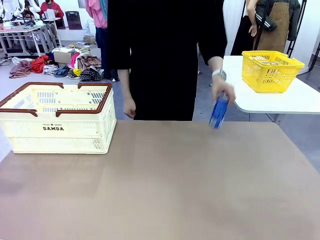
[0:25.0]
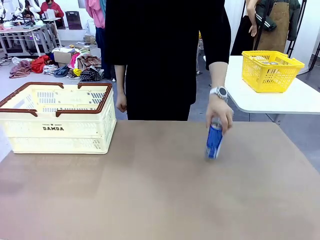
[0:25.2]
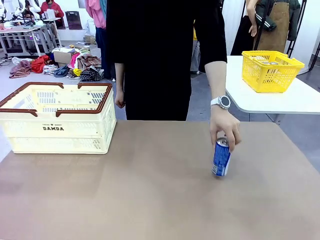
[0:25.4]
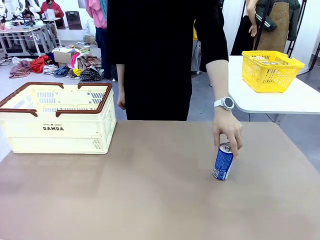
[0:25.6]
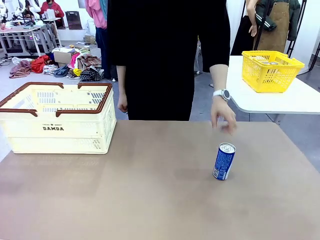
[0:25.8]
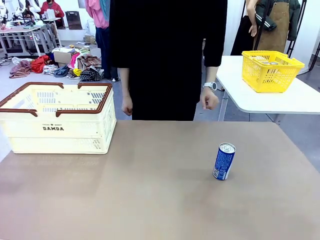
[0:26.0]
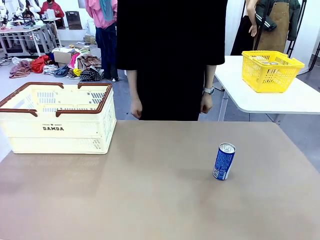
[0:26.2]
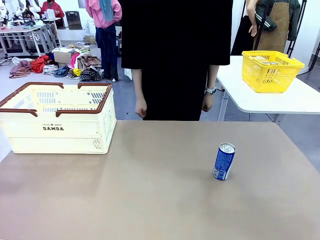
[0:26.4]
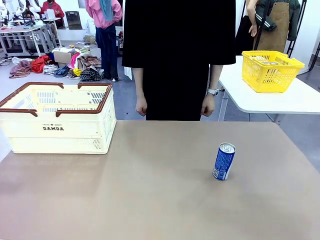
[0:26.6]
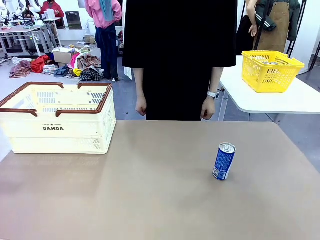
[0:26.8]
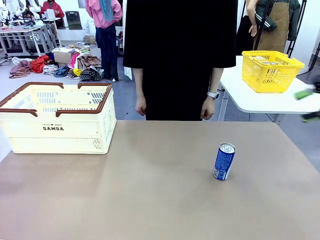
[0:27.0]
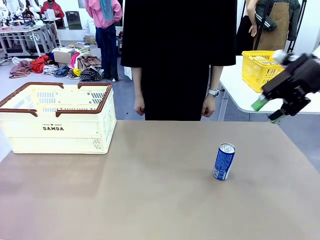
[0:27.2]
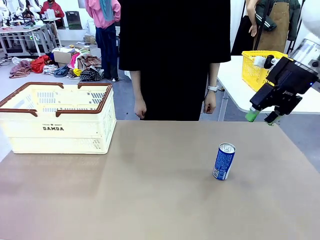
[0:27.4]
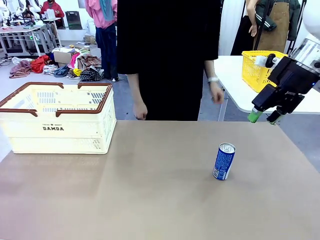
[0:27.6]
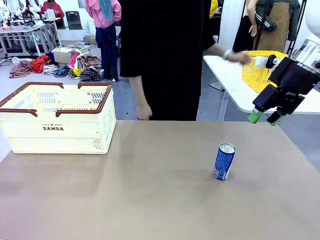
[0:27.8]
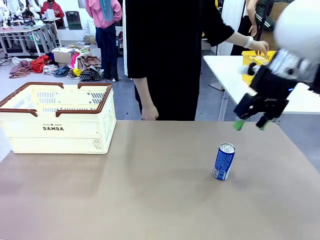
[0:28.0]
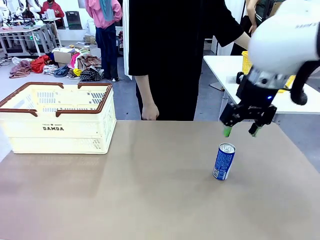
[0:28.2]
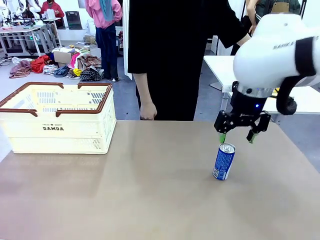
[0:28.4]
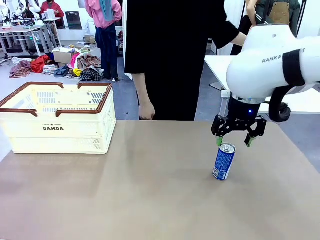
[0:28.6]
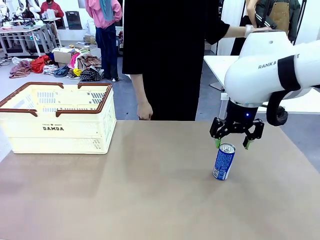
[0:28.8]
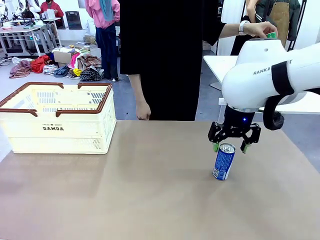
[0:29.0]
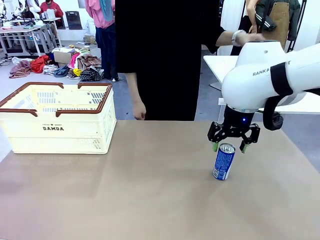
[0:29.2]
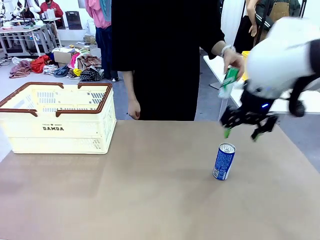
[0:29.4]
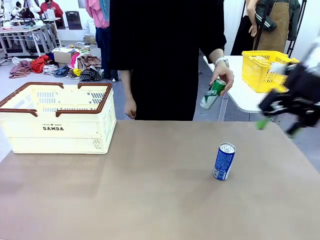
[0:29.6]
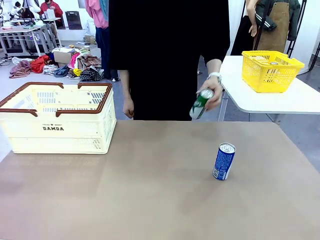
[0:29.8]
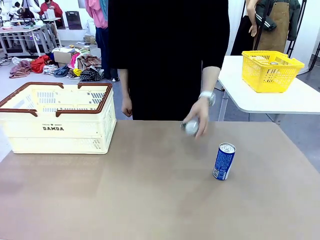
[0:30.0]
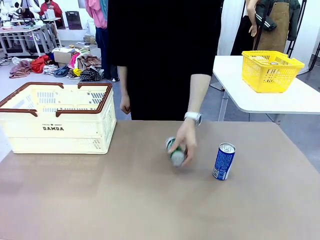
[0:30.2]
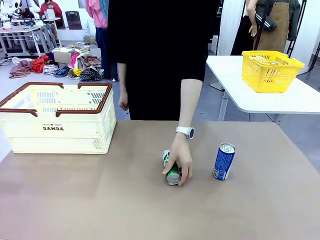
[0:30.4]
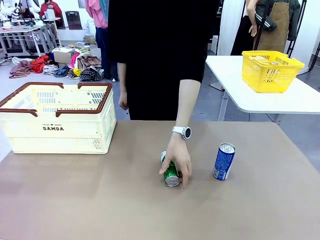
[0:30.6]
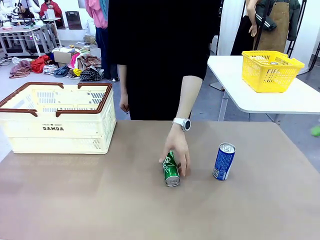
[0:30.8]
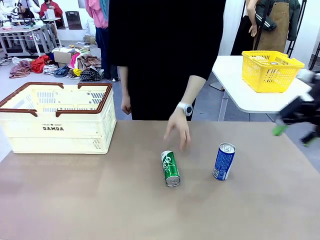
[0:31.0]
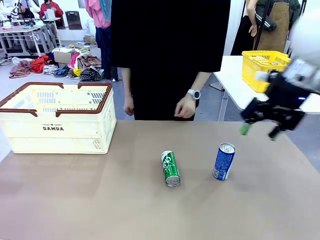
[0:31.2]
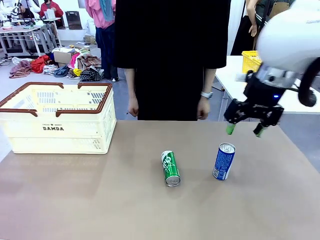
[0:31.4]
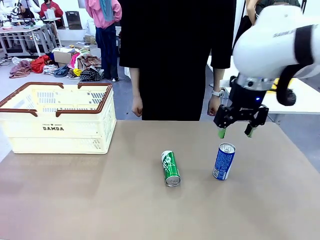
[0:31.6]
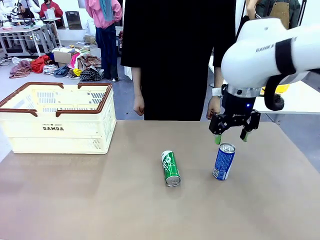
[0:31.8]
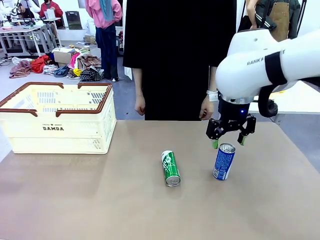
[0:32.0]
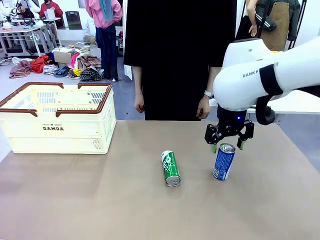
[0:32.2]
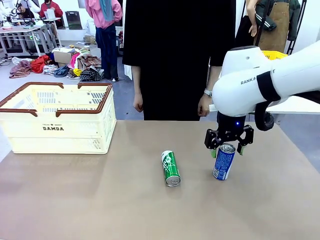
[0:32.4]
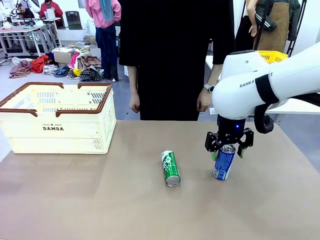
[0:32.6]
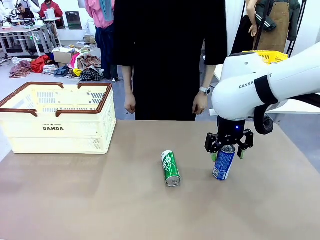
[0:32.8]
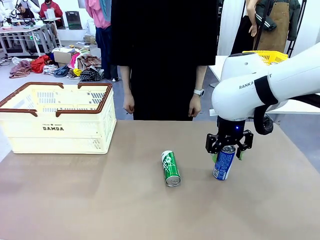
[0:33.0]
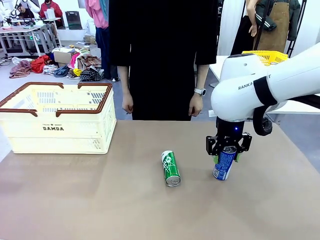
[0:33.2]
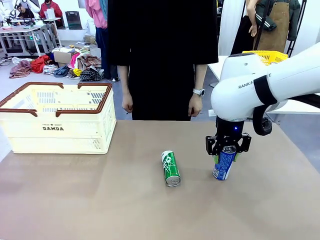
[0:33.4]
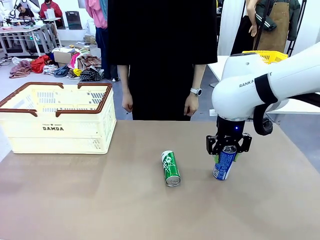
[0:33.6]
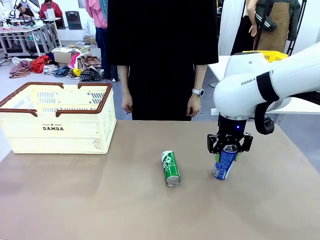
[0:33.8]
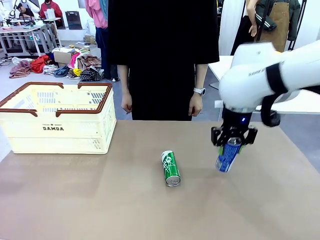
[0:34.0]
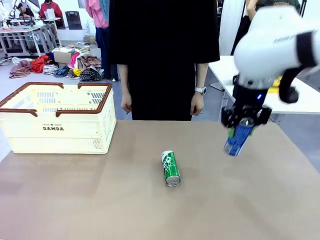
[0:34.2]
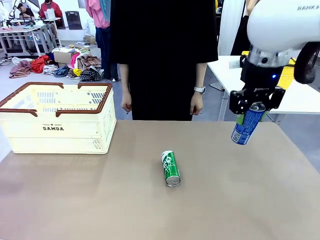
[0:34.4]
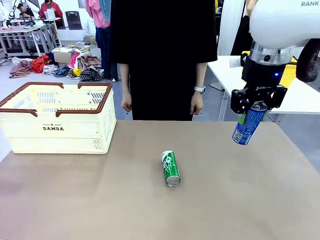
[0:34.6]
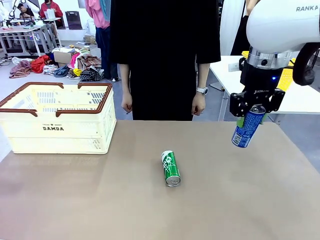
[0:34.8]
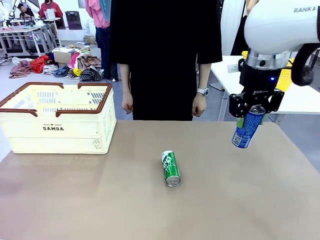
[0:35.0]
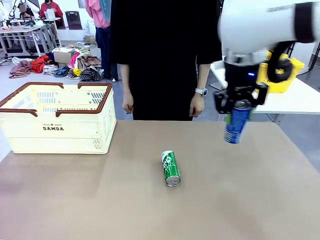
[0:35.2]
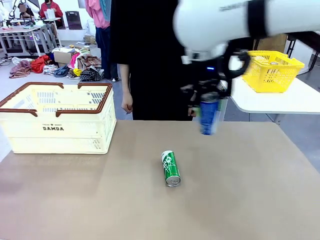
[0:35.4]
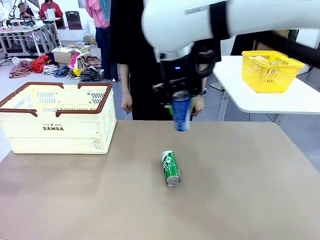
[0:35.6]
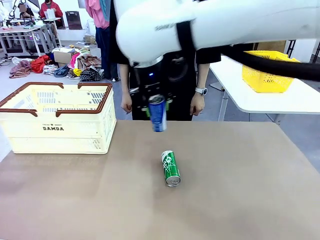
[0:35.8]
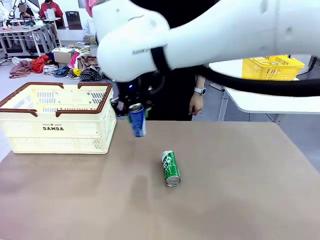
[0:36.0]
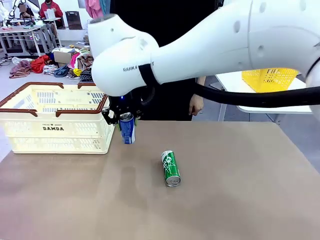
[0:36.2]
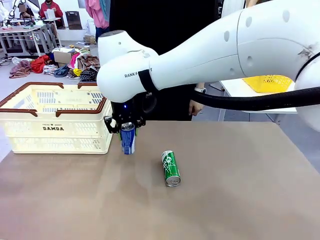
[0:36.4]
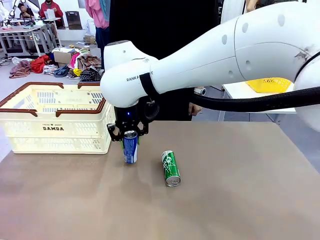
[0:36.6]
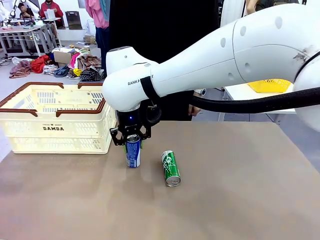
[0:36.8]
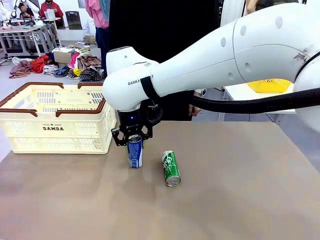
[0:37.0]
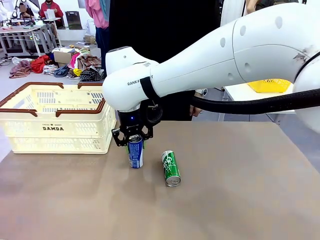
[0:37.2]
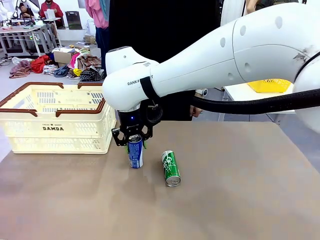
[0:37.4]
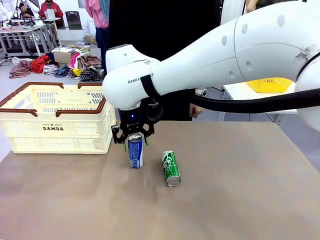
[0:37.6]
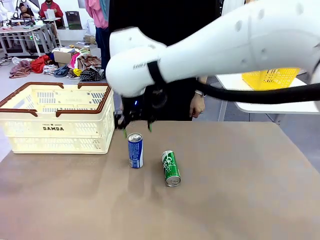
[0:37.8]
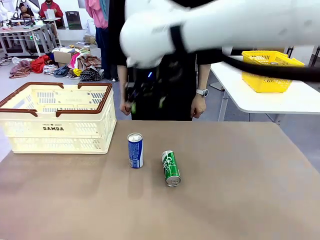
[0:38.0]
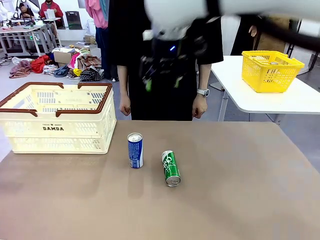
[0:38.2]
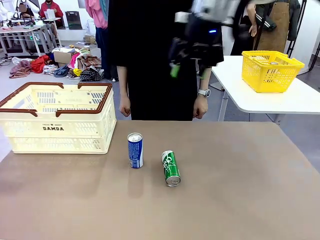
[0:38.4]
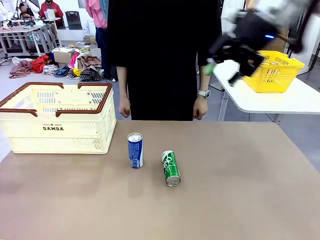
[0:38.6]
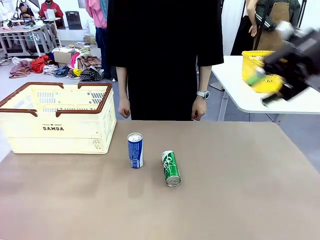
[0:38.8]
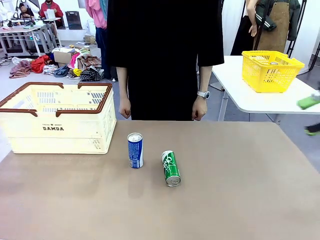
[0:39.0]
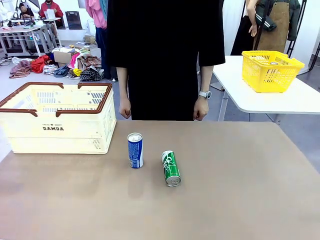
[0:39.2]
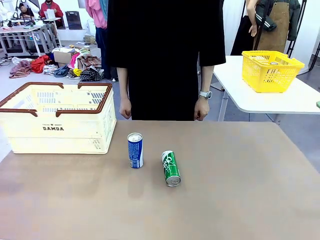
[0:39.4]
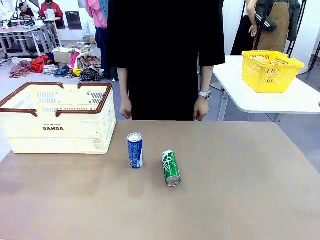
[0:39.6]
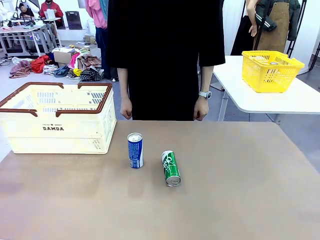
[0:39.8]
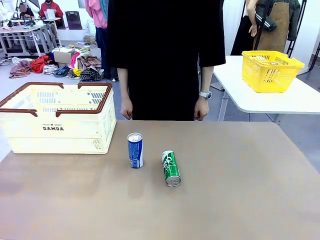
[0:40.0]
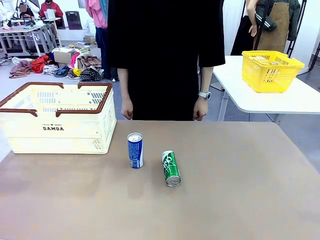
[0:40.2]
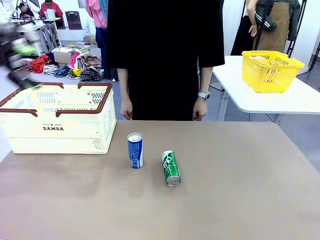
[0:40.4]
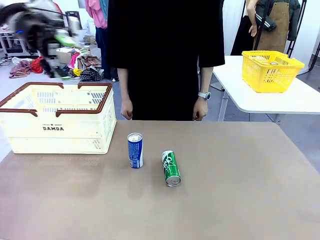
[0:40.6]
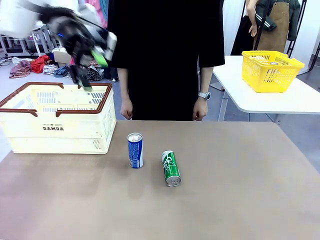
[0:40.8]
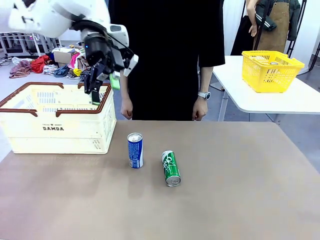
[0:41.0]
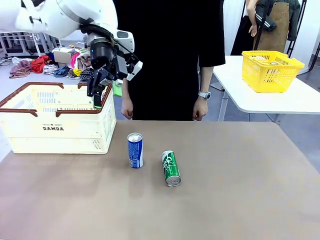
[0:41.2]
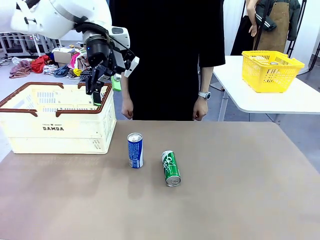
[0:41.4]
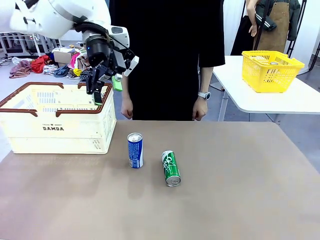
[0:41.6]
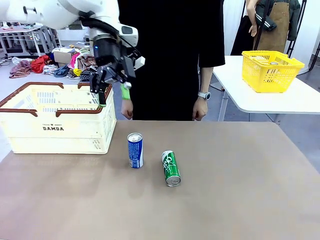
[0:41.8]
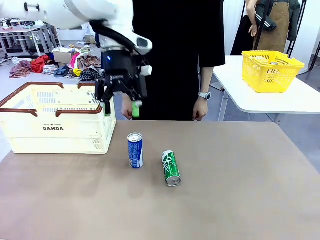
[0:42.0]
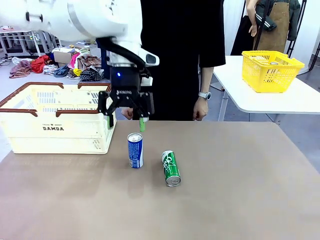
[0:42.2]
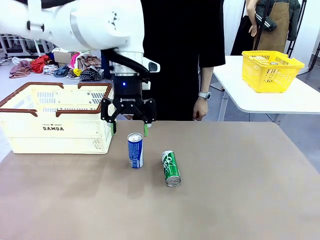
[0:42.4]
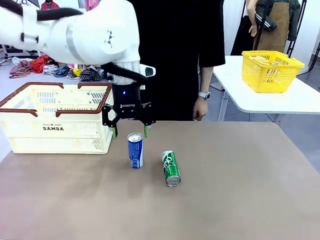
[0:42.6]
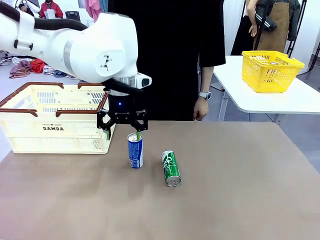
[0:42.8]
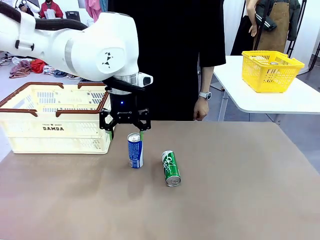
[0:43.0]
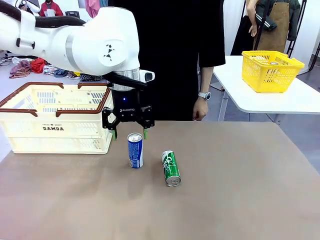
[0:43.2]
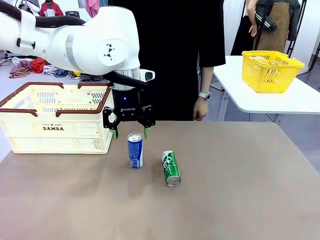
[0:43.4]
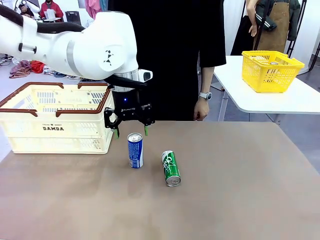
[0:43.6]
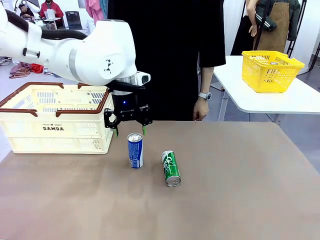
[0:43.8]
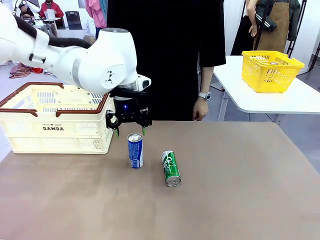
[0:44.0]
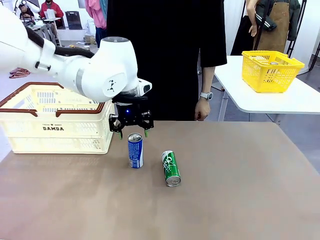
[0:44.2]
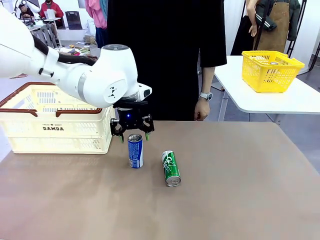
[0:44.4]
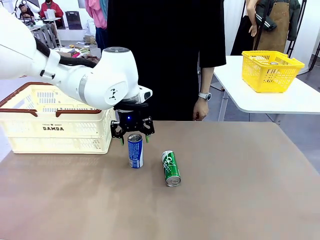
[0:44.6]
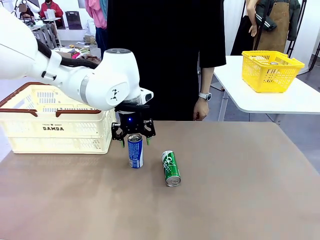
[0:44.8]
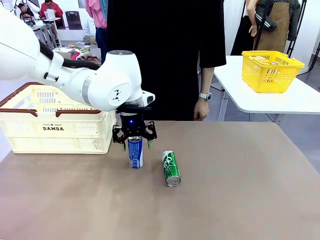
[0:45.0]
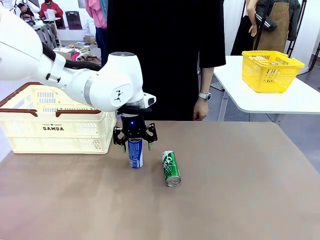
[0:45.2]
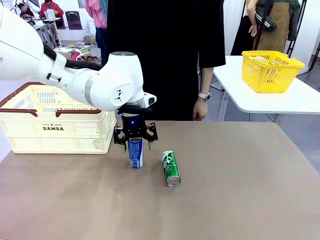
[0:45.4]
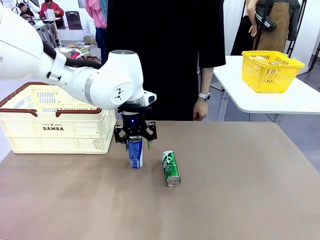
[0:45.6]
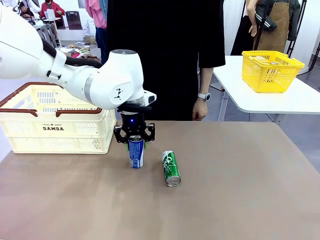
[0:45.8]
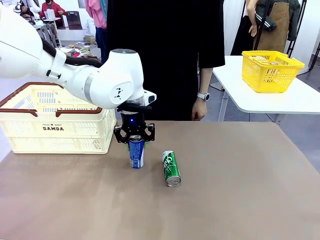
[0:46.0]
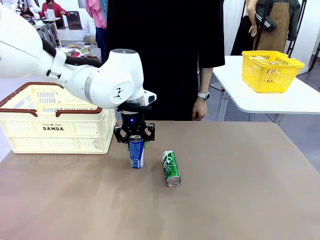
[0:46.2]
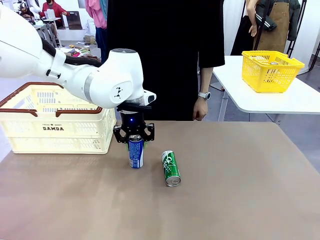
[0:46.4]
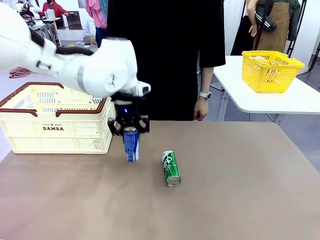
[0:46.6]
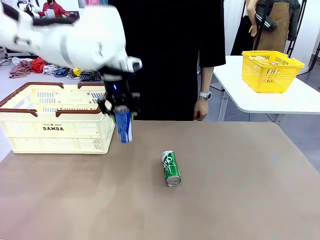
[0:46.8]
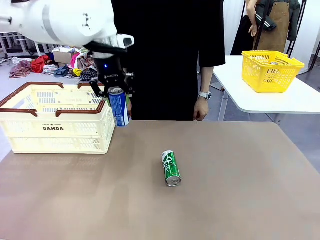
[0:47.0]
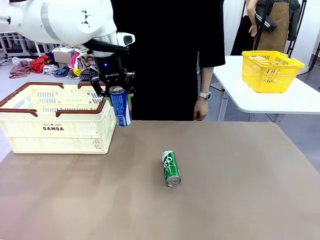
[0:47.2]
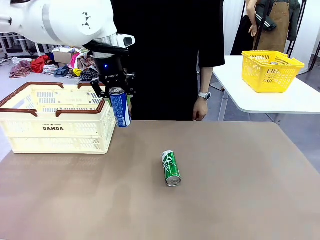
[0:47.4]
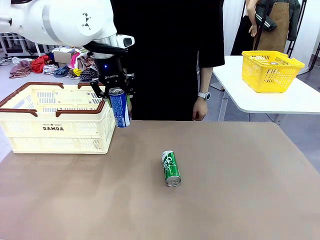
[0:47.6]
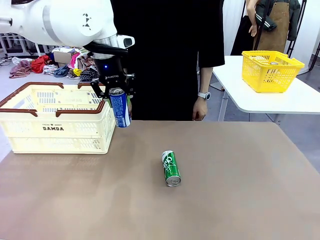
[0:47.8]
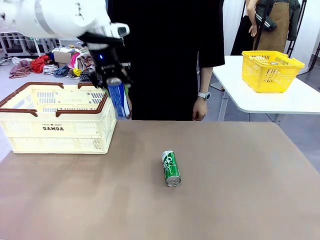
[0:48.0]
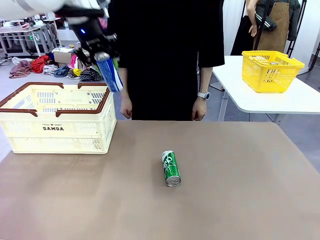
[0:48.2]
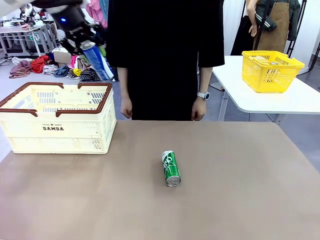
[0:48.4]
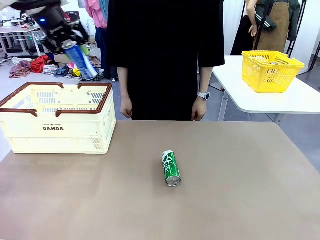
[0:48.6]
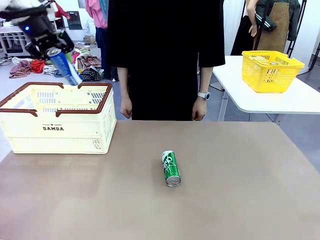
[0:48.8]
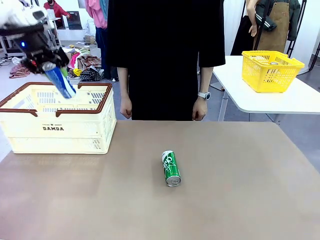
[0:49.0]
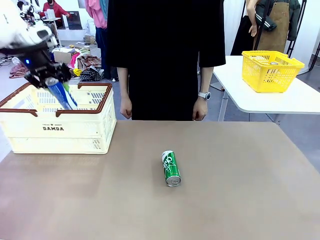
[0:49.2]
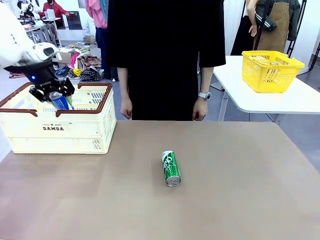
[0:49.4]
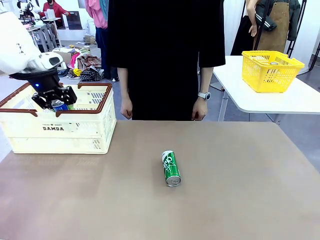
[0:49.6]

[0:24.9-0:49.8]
Task: Place the drinks into the Shopping basket.
Robot: Pick up one drink and place it into the Shopping basket.
